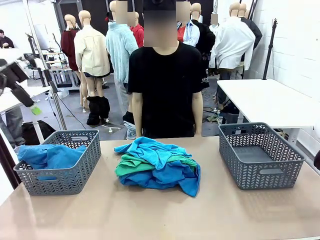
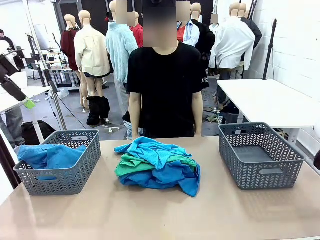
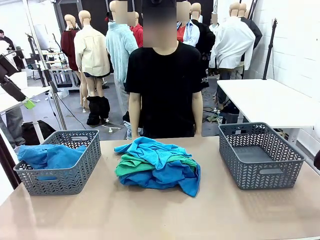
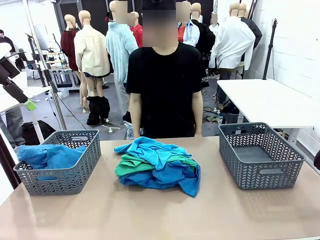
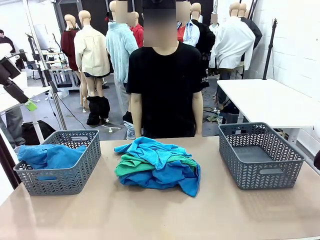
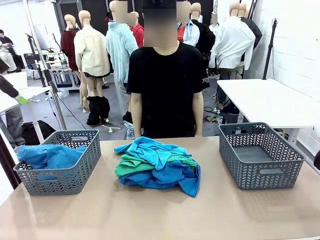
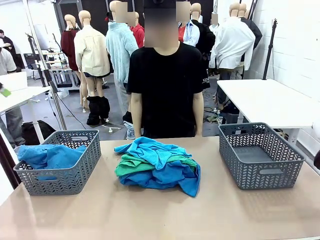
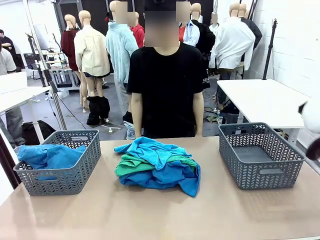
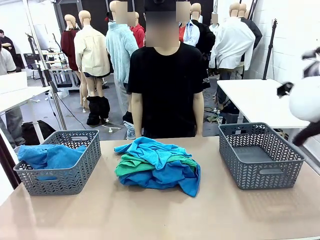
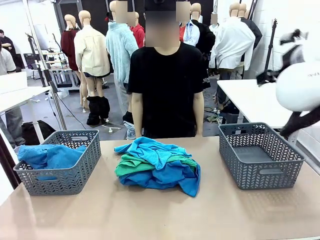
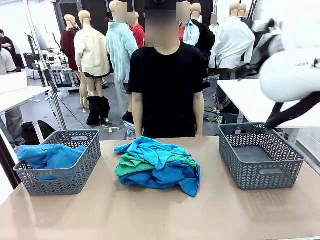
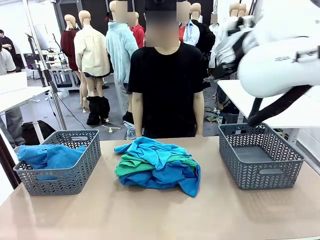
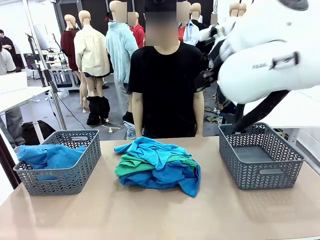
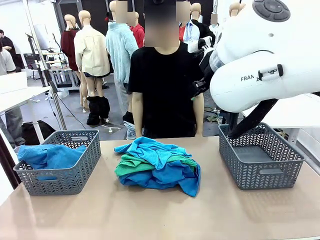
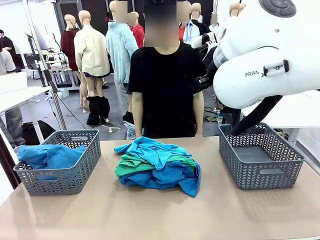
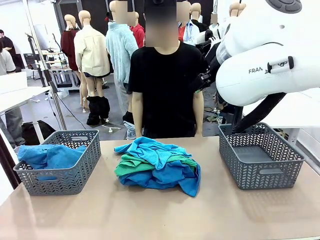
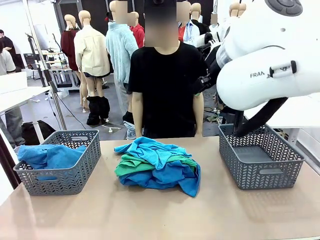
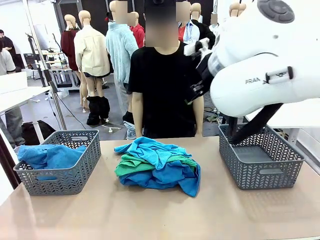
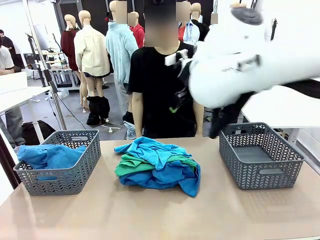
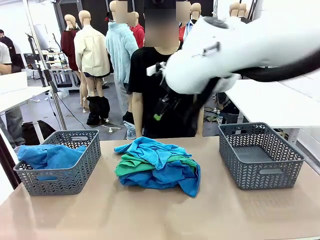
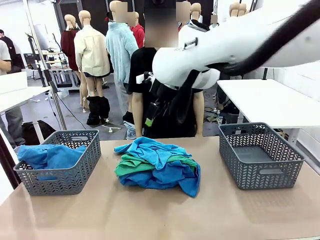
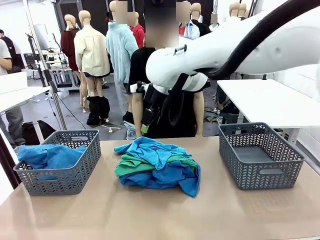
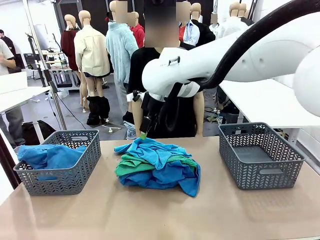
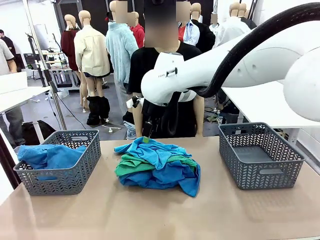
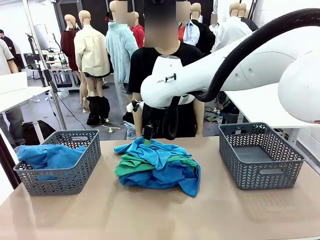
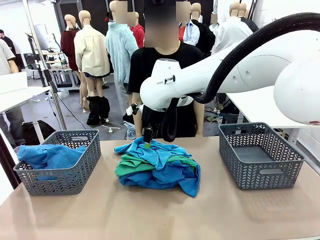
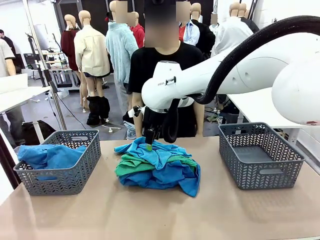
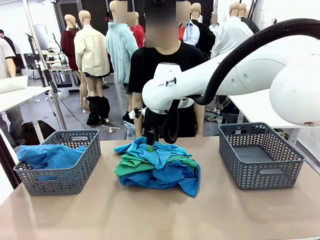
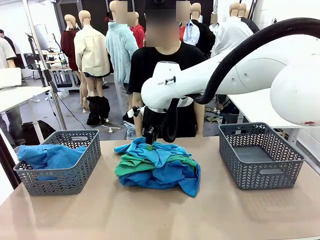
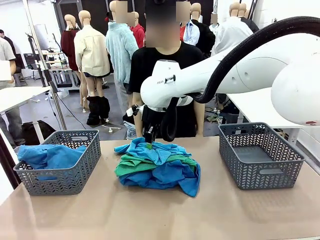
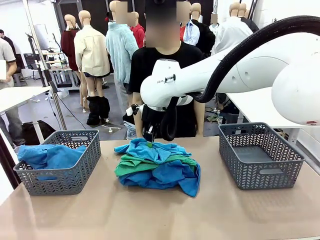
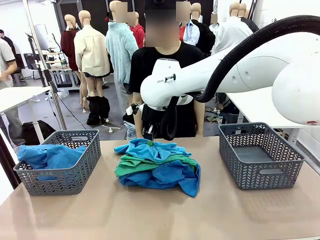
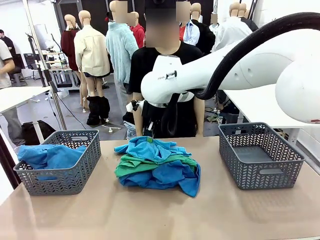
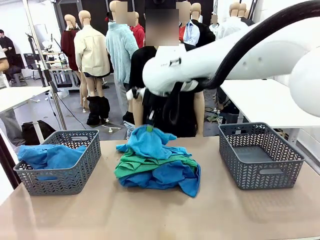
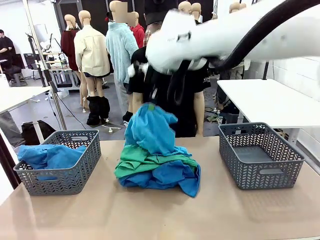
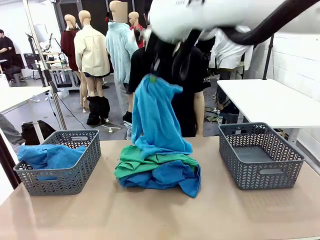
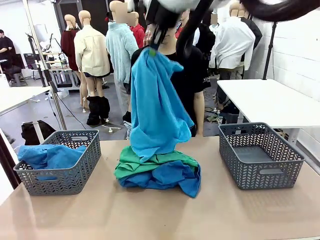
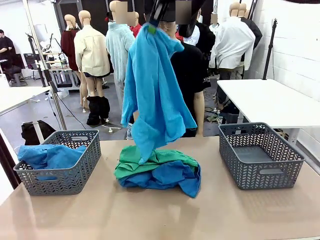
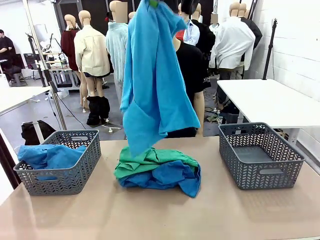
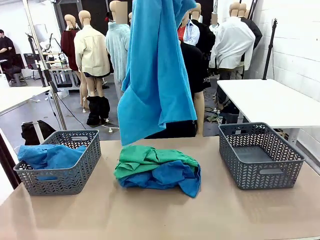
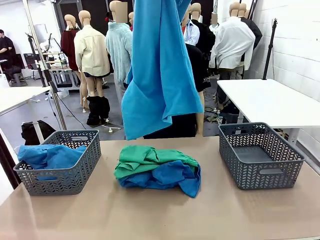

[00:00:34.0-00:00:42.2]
Task: Sort the tops and bottoms.
Robot: Lift clothes from the center of the table with your right hand.

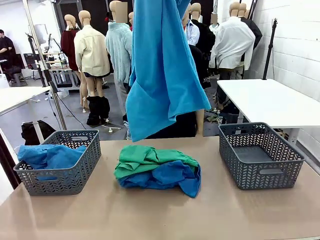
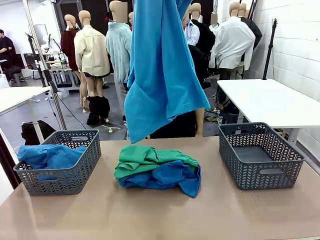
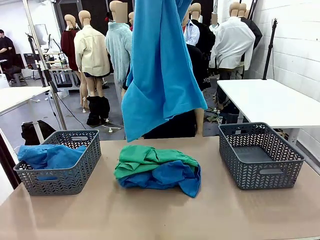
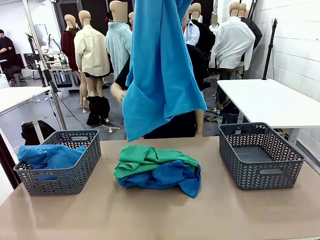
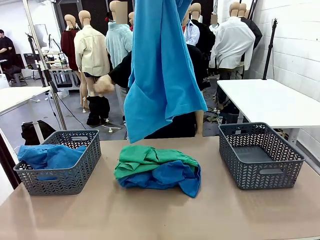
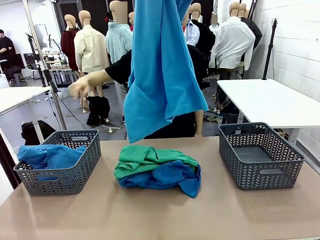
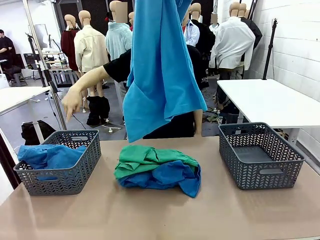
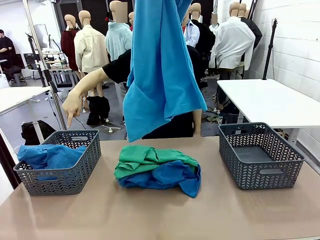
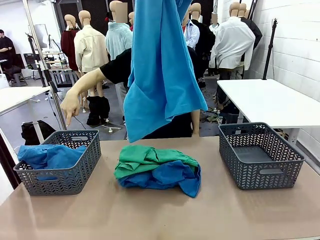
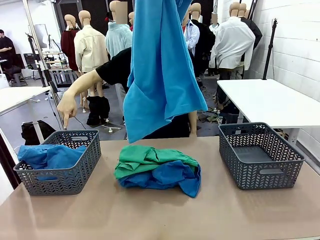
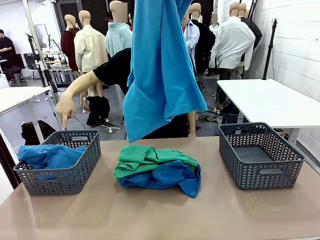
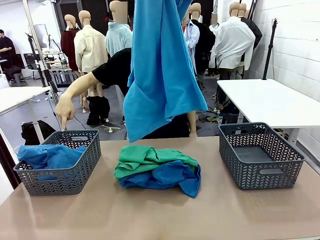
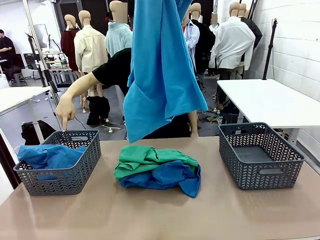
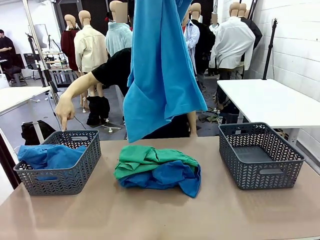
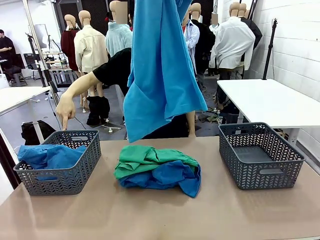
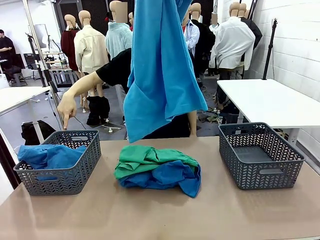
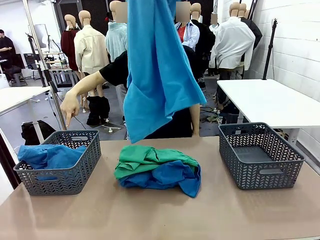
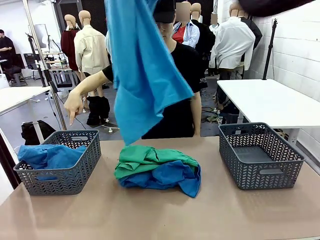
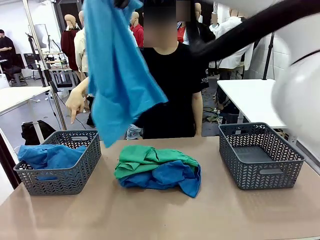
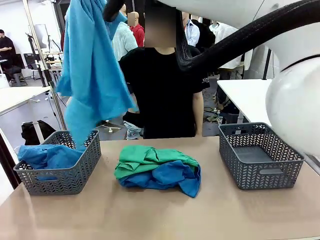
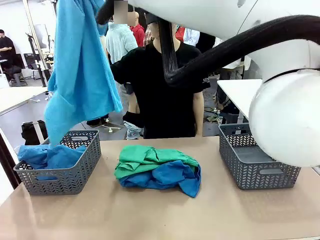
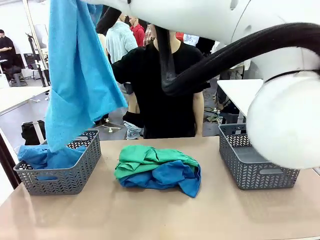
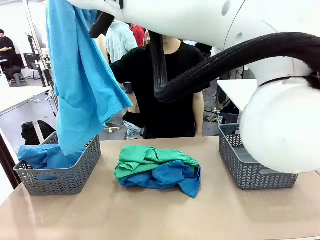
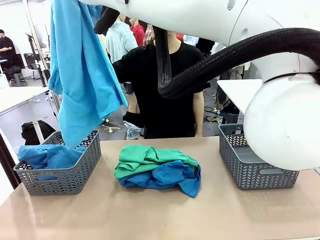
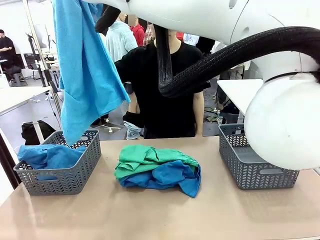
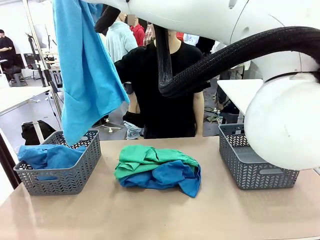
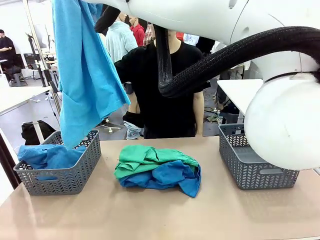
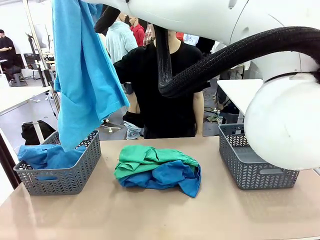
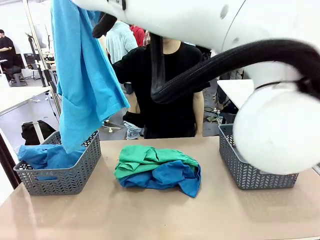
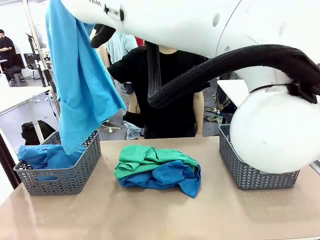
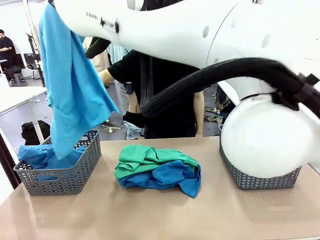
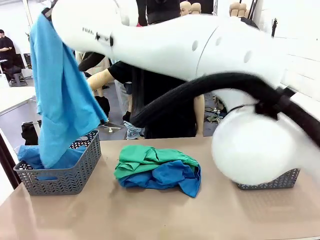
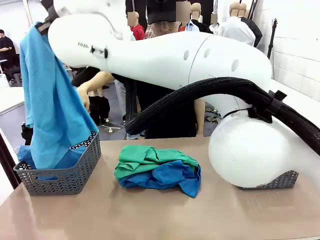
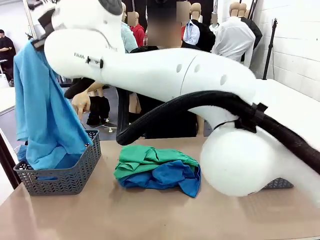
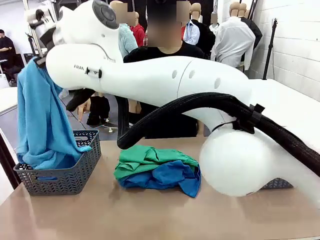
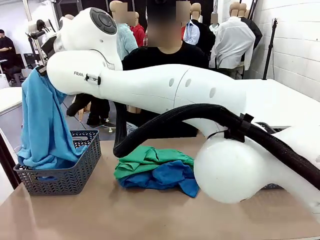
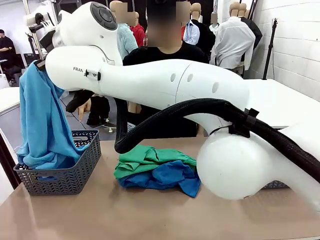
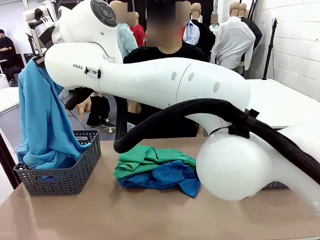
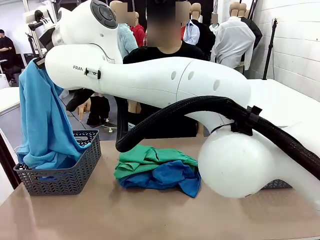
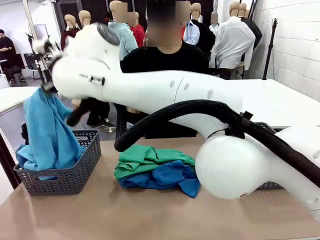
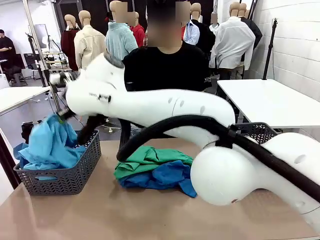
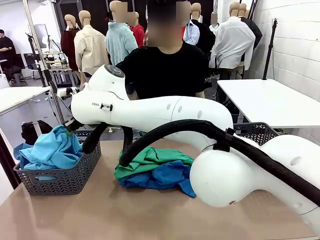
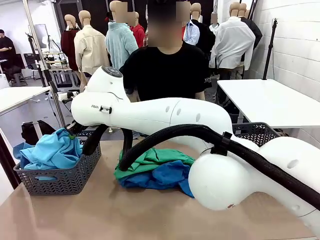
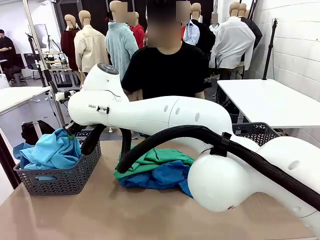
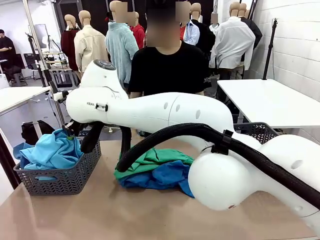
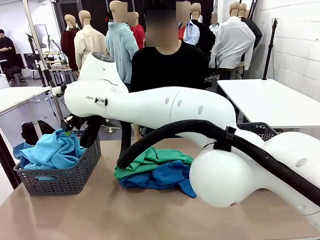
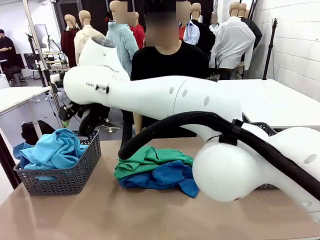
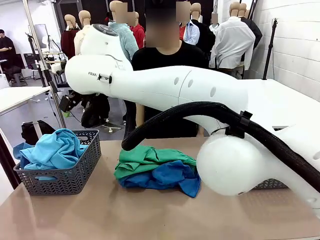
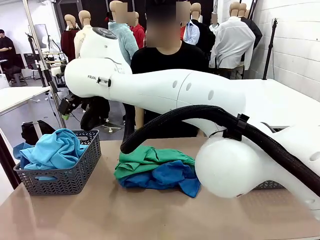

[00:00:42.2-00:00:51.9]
Robot: Sort the clothes according to human instructions.
